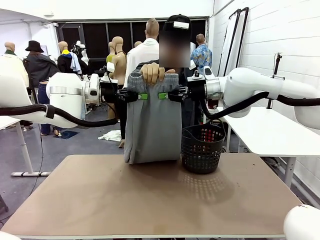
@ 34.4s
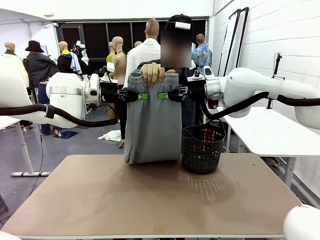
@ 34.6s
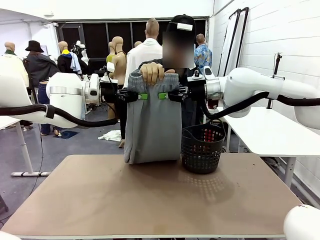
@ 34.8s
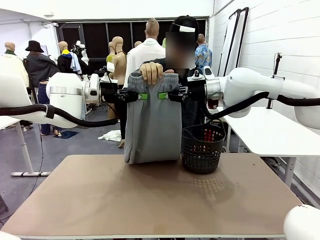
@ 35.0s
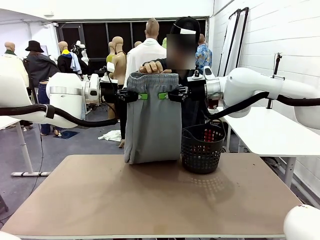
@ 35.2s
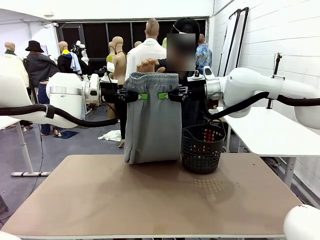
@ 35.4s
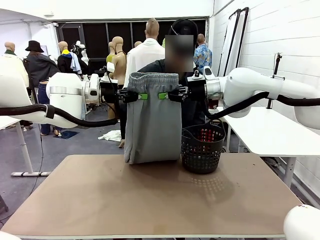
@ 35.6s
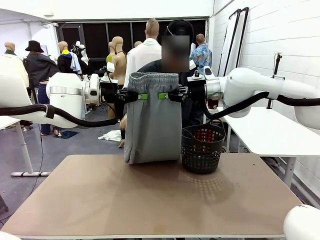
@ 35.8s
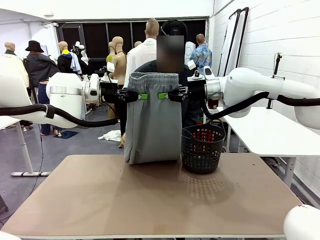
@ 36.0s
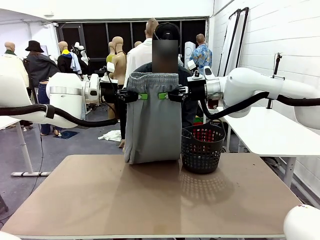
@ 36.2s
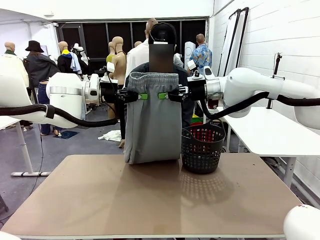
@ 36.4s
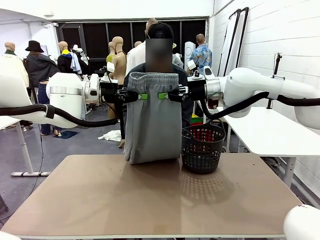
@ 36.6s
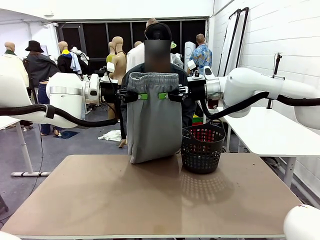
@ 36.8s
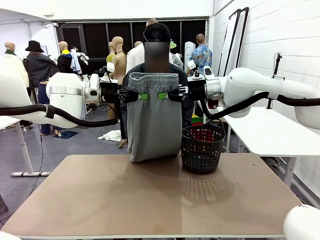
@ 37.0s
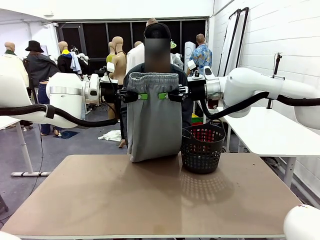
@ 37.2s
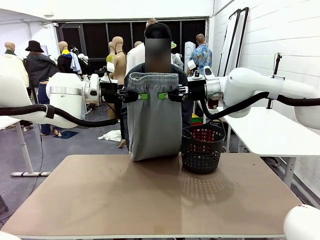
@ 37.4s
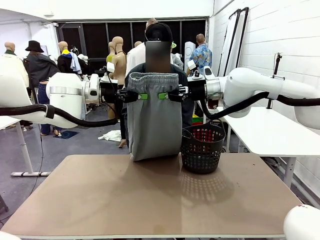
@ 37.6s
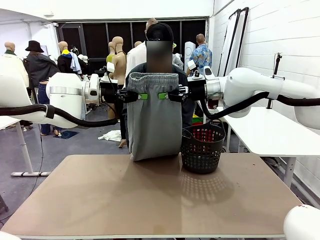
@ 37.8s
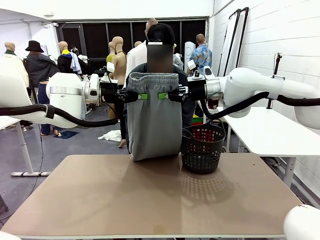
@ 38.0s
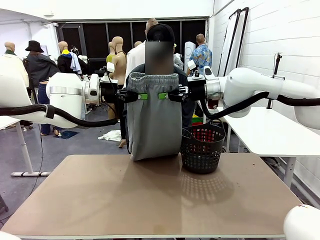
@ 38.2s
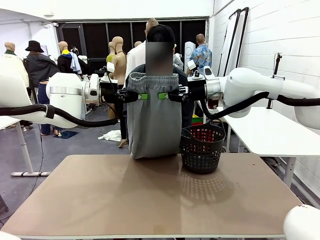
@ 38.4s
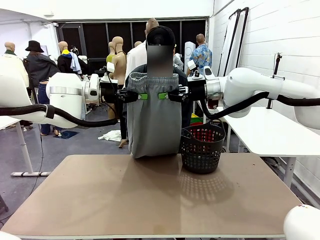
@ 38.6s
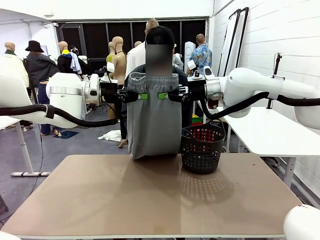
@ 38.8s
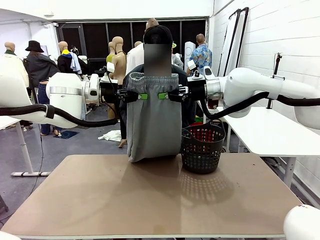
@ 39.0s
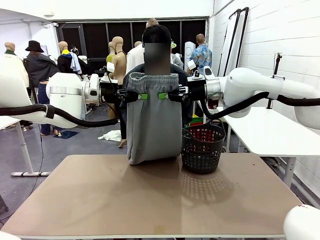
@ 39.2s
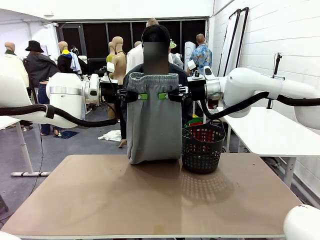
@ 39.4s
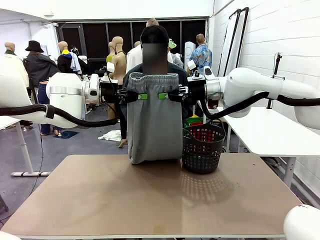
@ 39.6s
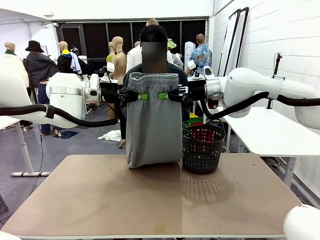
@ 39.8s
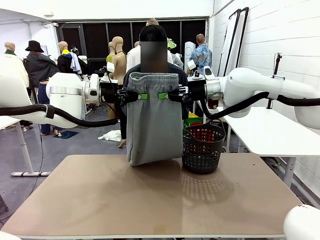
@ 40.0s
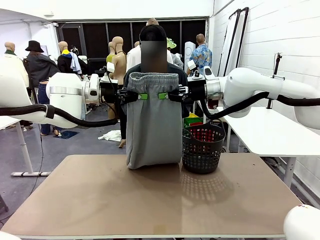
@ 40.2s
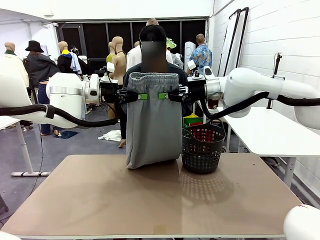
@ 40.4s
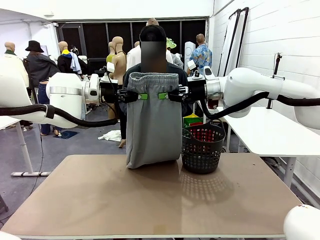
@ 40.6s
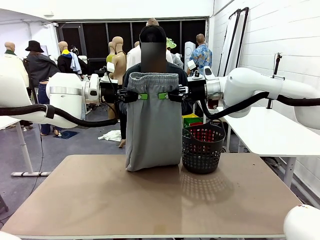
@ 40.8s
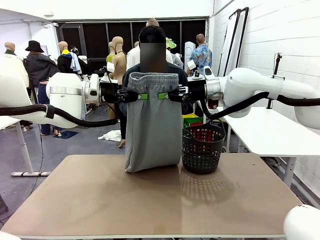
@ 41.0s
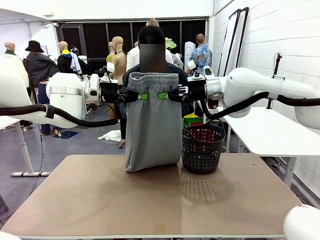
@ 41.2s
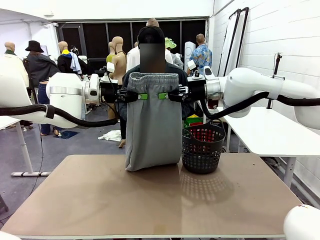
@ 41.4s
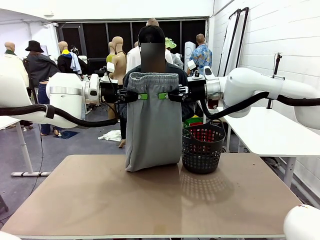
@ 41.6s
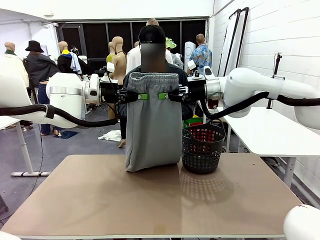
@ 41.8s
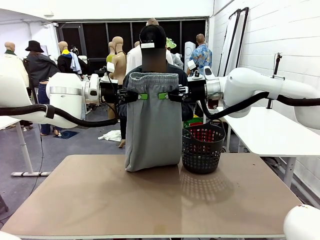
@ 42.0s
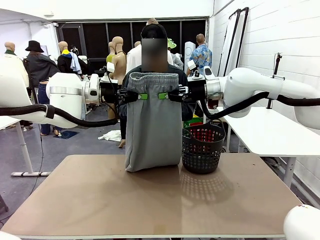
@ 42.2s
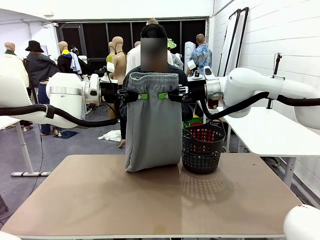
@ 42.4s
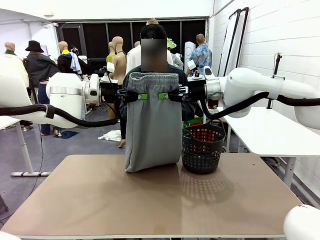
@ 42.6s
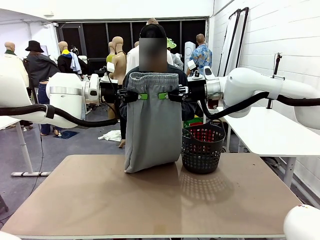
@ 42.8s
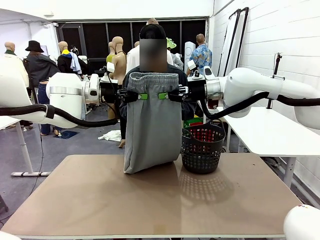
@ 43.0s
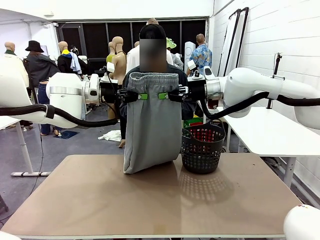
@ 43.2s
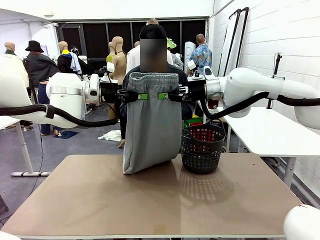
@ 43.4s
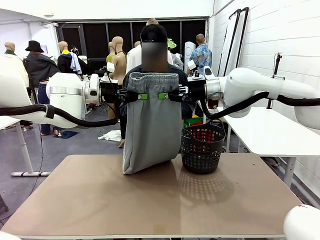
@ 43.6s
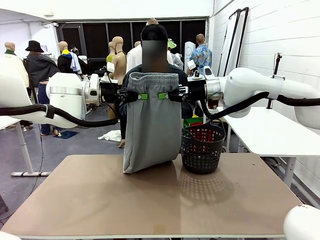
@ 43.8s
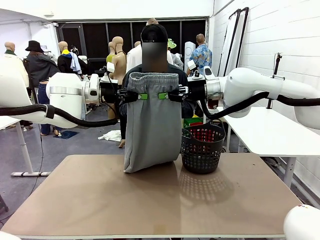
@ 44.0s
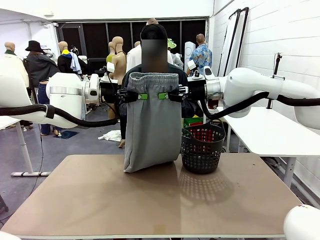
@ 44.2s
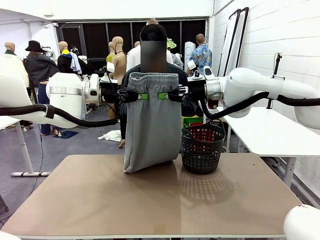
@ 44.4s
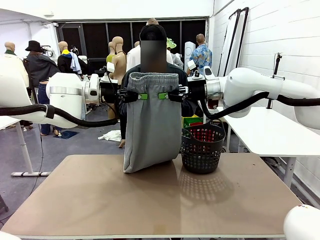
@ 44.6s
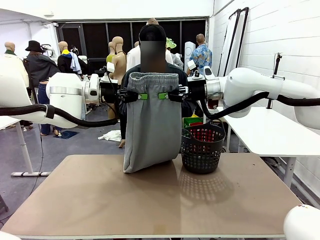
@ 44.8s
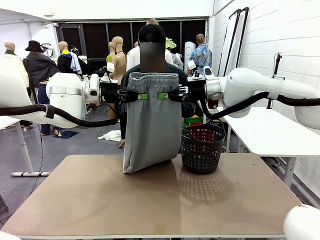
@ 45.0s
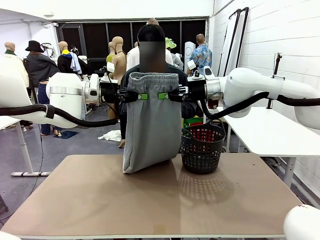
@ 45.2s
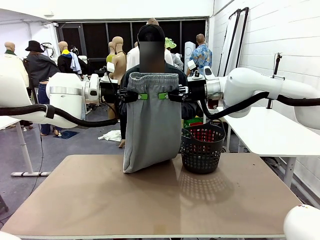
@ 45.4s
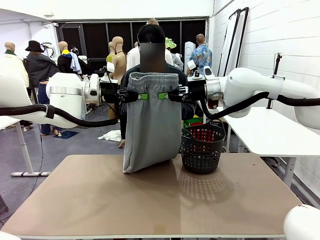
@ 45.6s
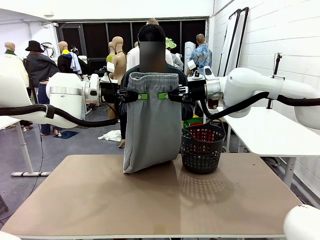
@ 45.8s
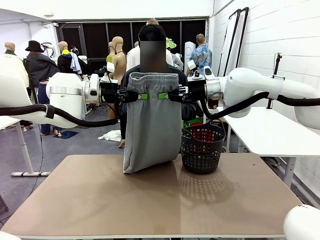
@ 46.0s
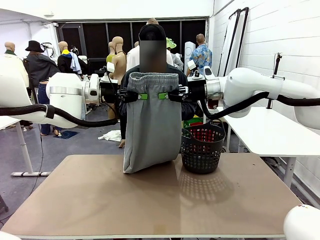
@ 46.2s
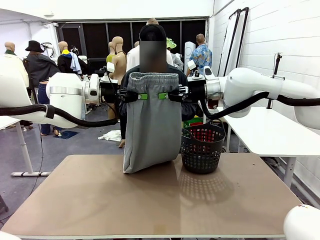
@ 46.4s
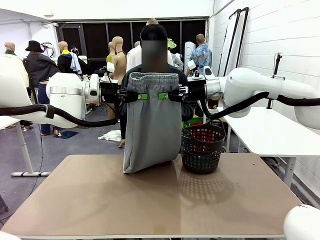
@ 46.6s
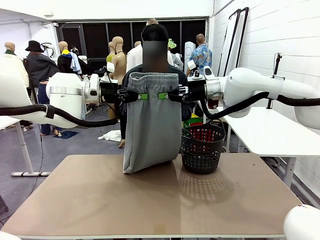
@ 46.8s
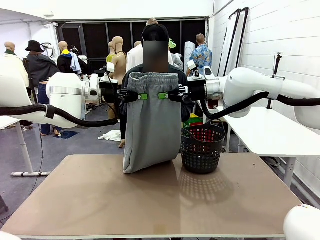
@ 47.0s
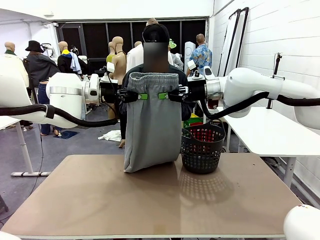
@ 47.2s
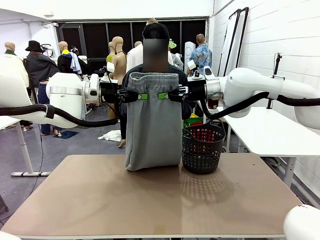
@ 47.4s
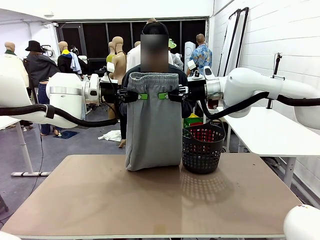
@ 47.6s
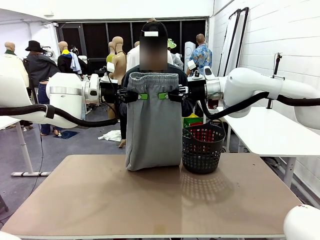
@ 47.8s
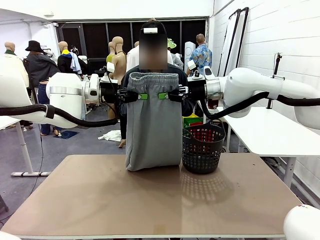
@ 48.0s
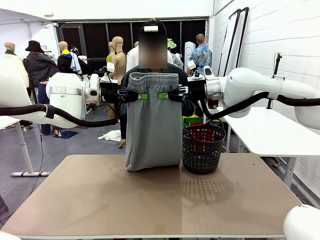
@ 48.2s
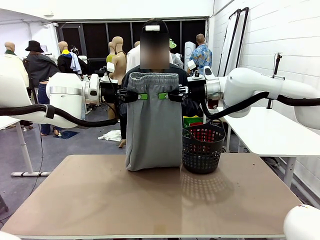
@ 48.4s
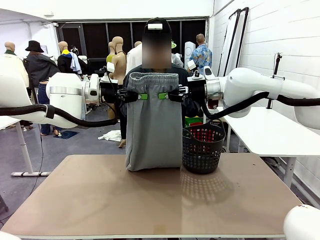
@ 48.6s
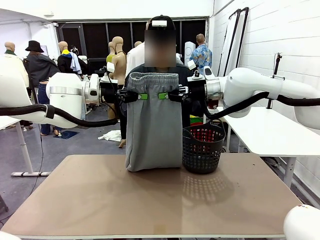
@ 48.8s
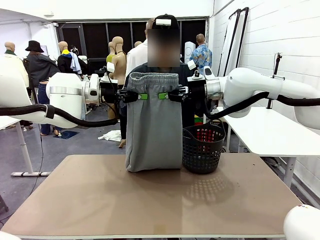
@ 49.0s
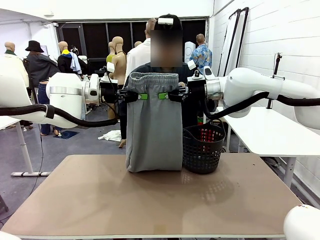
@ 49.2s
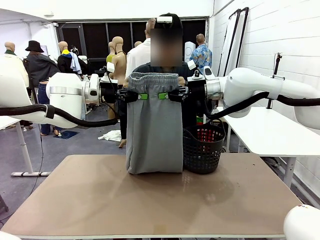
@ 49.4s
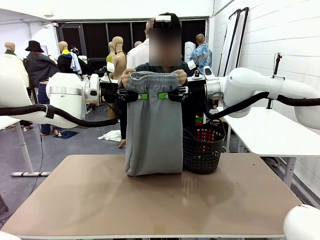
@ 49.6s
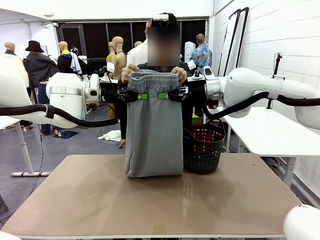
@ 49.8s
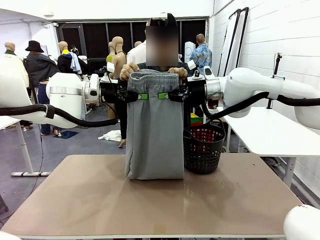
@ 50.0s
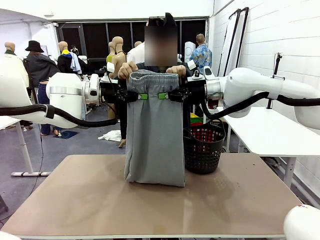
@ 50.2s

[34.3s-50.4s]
Task: Fold the training pants.
Robot: Release the ends of the Training pants and then grab the overlapped ends.

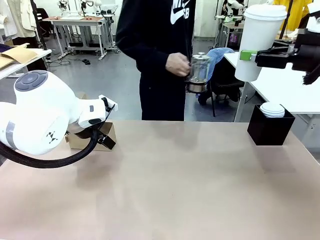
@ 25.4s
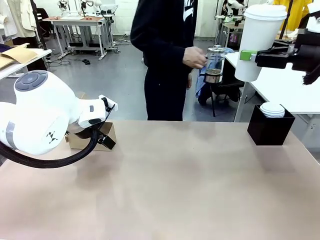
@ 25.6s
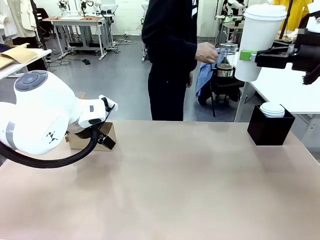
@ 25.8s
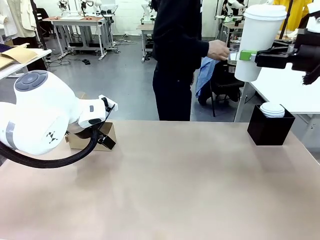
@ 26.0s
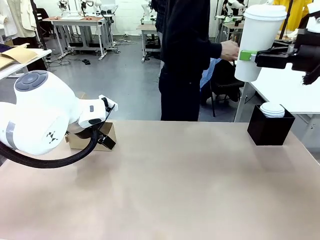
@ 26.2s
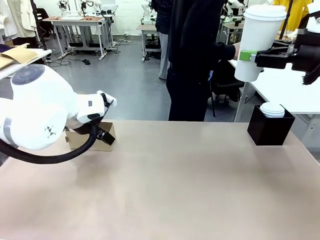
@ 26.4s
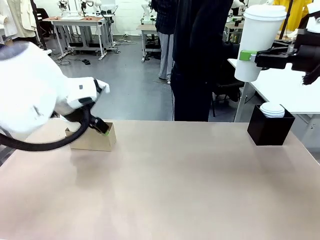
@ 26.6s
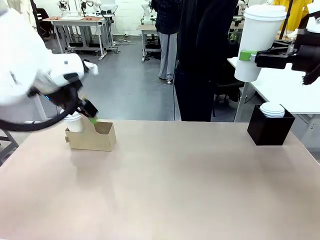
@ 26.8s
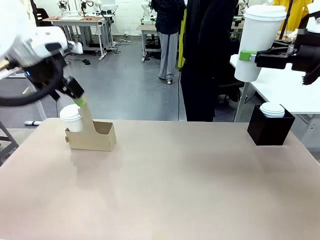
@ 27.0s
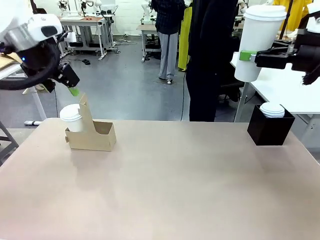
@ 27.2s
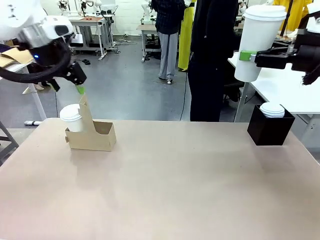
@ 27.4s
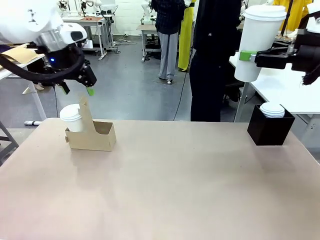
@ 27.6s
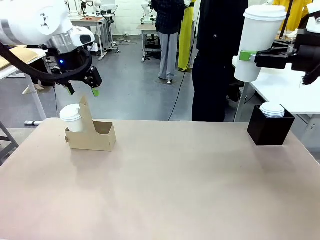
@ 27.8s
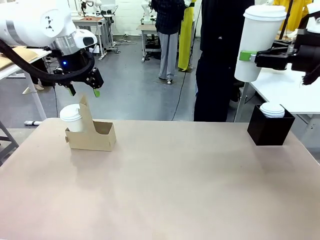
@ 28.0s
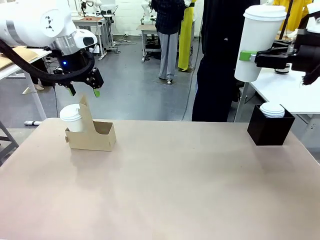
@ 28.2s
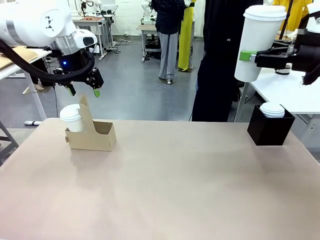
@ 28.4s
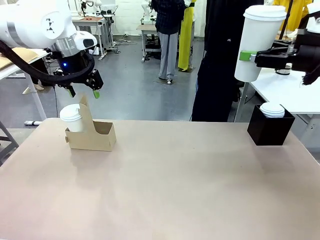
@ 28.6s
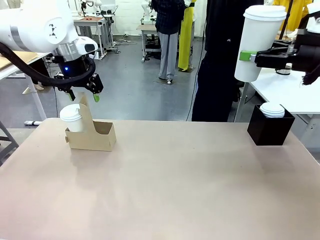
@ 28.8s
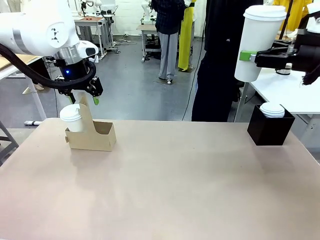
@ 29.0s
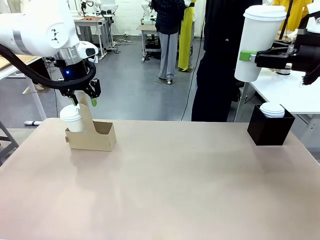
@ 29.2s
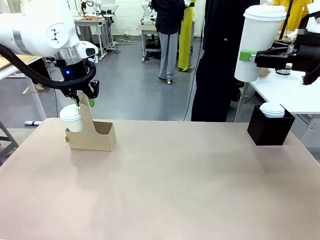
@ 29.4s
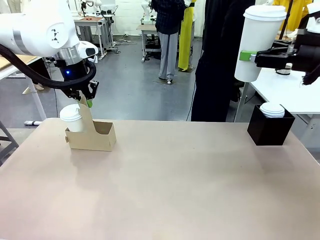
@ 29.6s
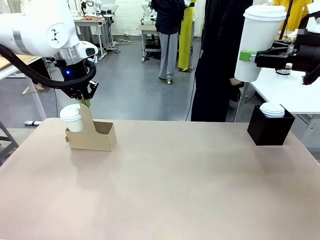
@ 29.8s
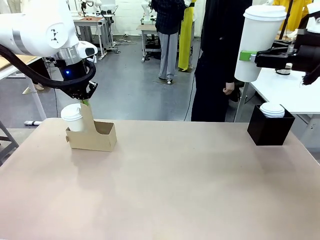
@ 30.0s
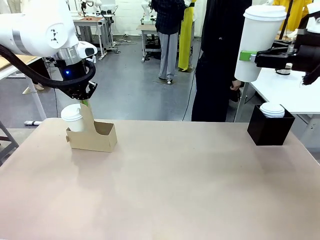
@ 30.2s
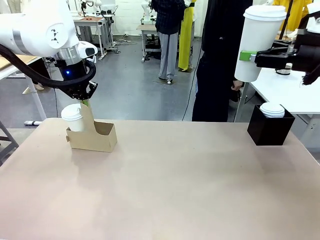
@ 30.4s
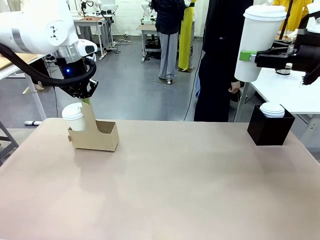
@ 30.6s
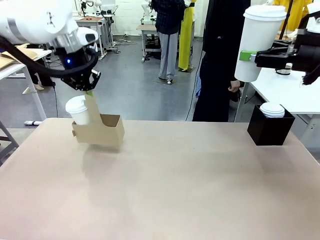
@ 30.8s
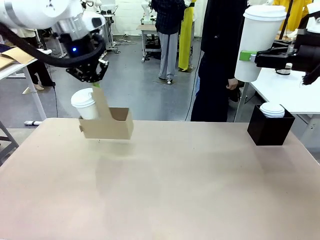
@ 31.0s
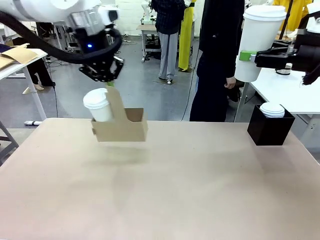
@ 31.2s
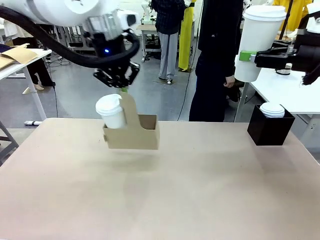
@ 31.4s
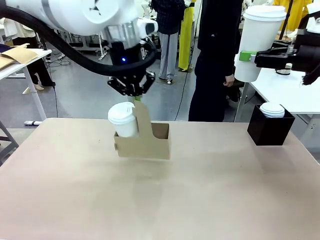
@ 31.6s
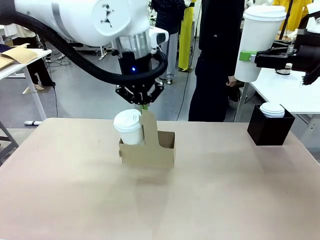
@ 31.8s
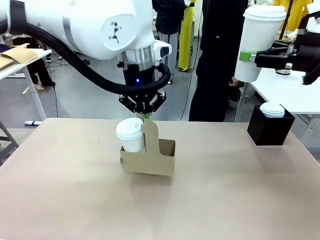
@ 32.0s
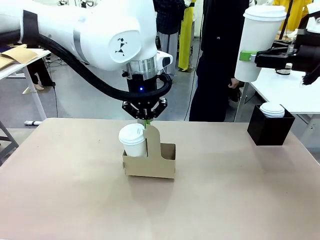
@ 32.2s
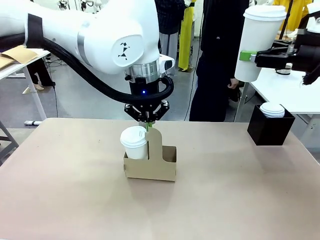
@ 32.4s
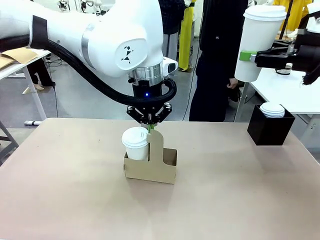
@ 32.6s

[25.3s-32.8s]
Task: Pour a drink into a cup and package it in a carrier.
Robot: Position the Cup Carrier in the center of the table.
